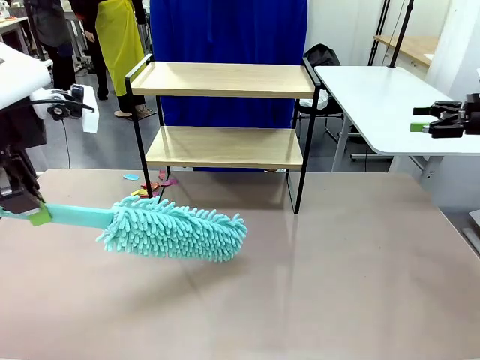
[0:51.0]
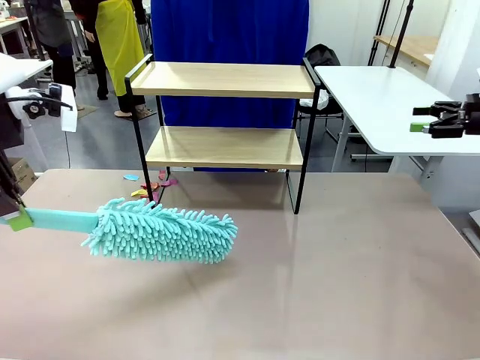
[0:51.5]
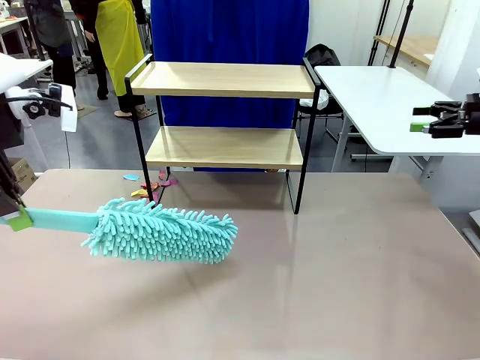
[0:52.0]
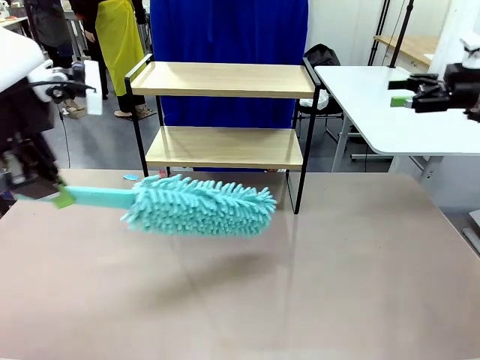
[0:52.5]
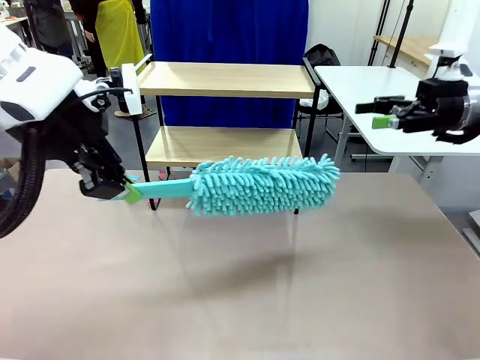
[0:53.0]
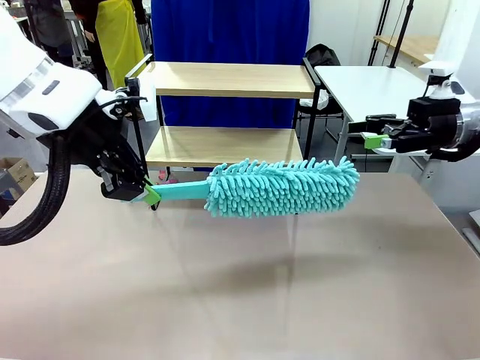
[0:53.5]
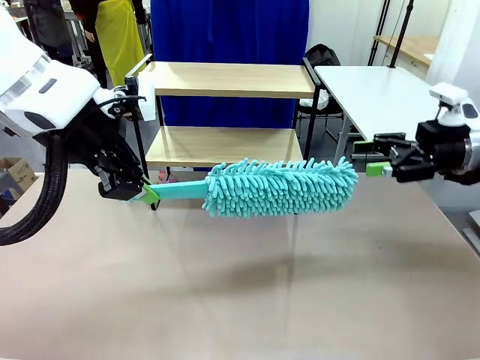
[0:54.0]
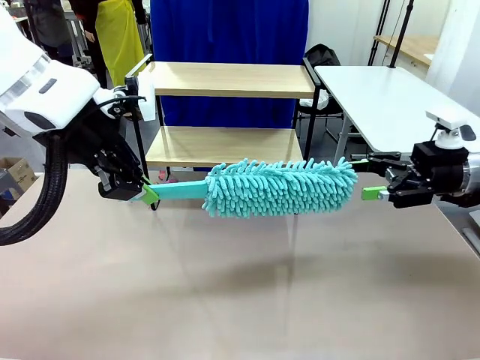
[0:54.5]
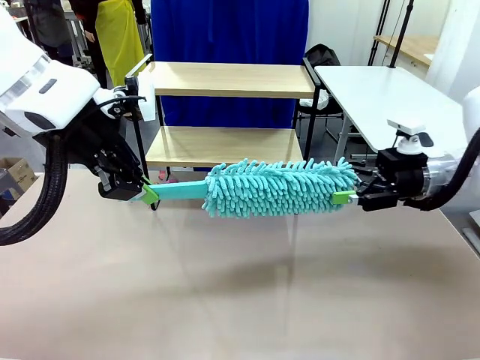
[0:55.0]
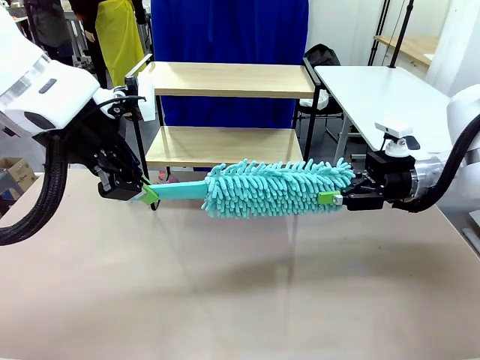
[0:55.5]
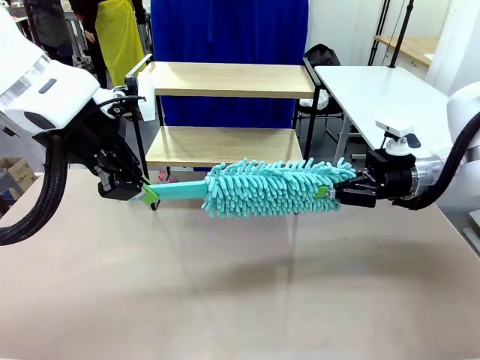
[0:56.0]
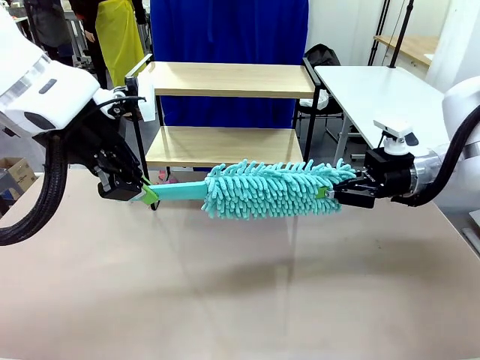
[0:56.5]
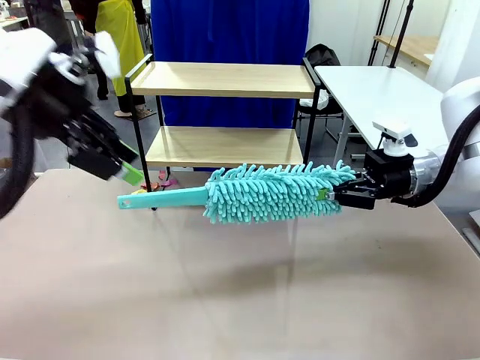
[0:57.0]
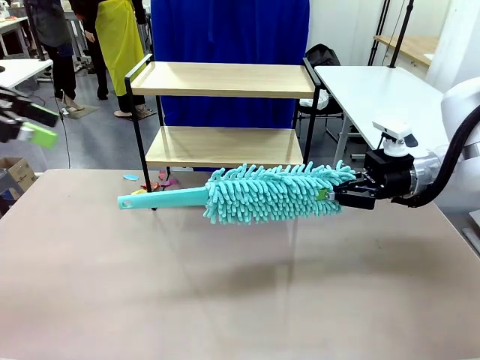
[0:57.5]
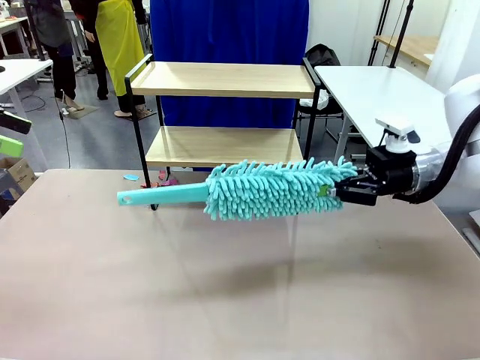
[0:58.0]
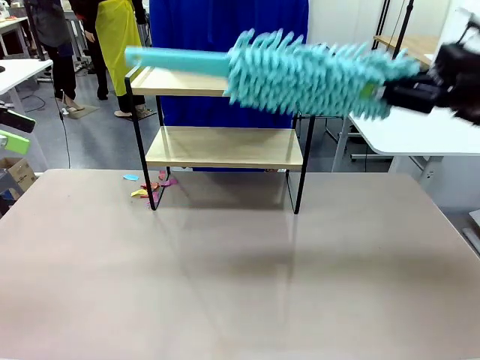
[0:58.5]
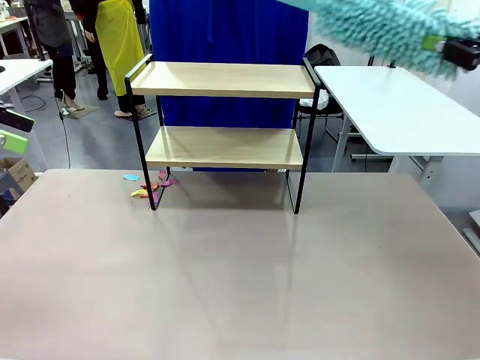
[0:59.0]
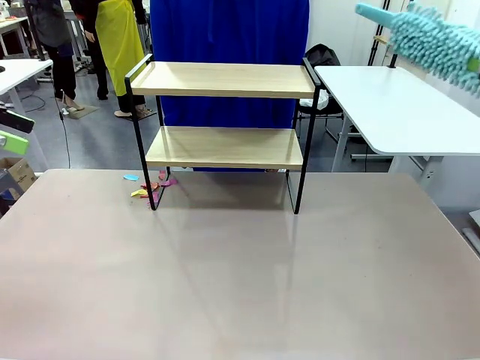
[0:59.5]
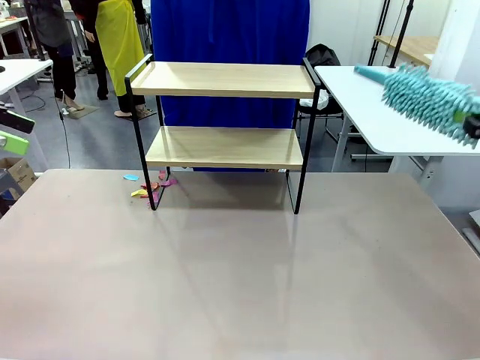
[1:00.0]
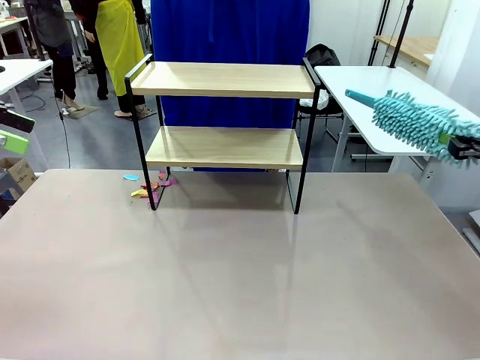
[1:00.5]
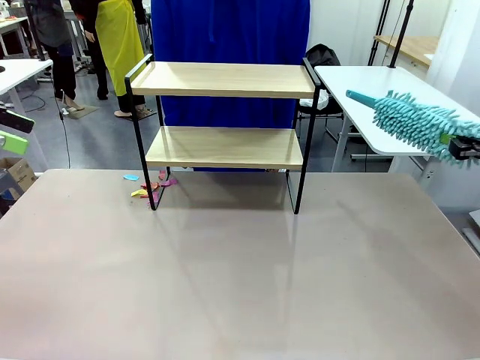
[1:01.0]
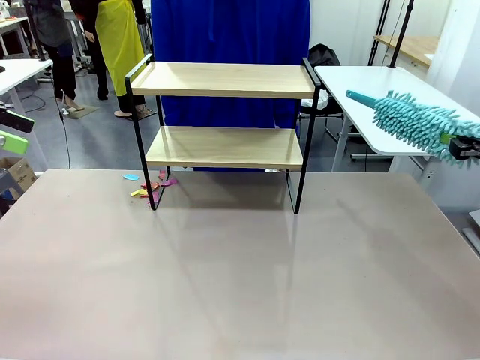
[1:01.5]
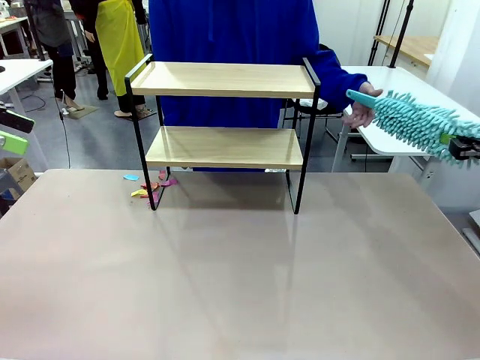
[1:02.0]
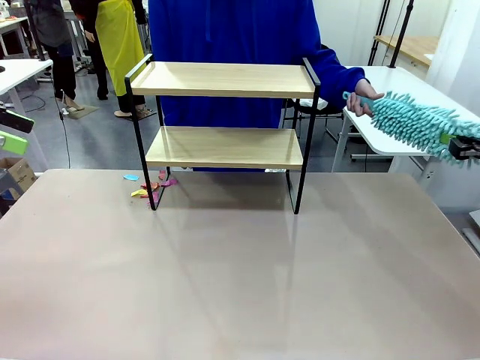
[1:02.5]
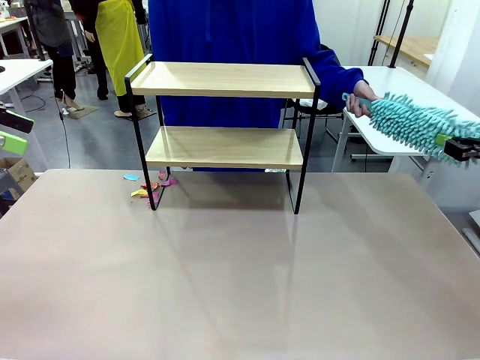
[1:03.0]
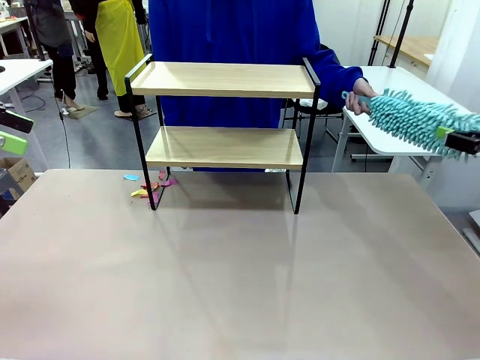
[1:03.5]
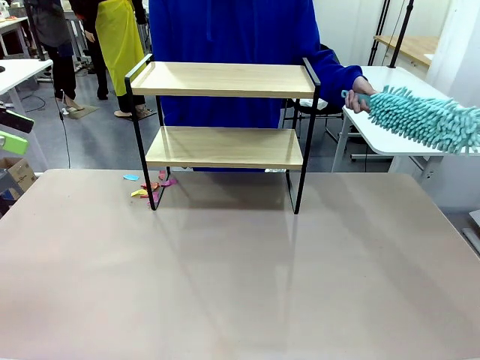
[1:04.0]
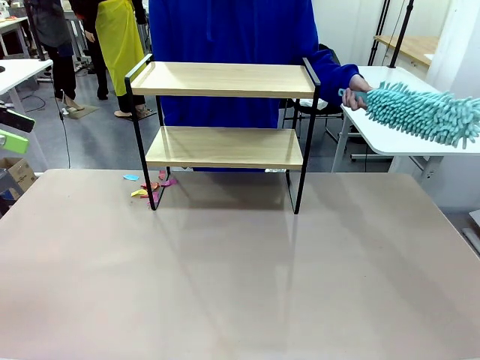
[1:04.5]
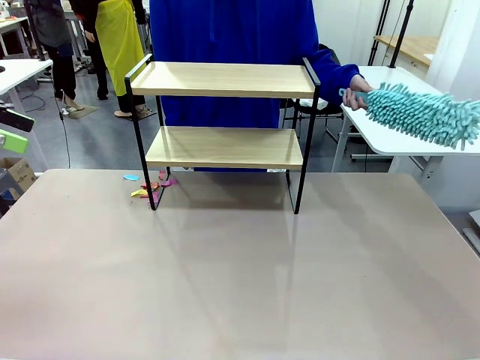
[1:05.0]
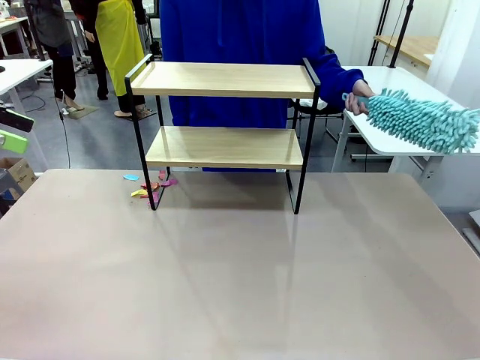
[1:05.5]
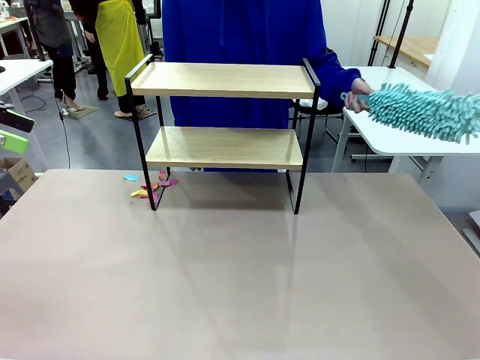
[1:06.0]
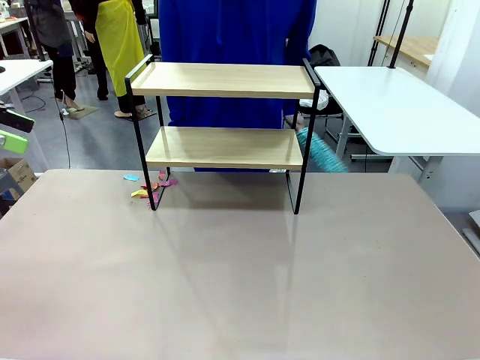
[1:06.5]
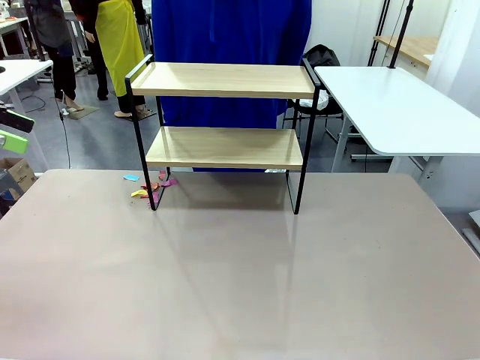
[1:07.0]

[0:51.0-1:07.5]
Task: Clean the shelf.
Robot: Hand the Duster back to the human.
Person: Receive the Duster from the robot.

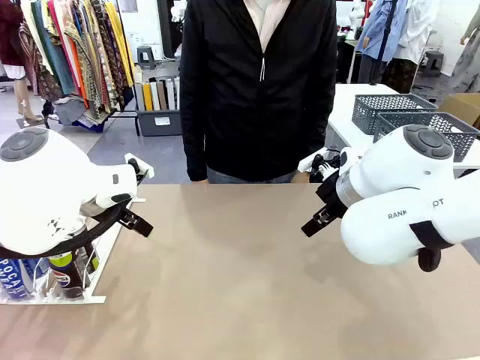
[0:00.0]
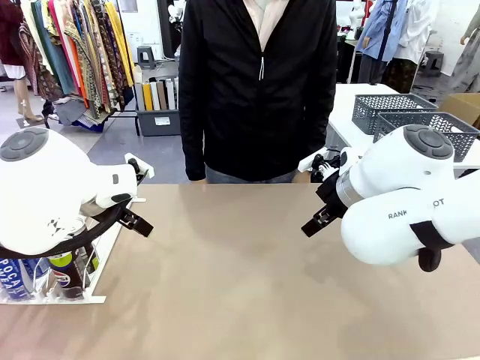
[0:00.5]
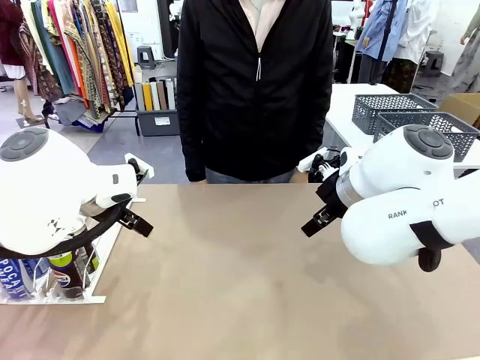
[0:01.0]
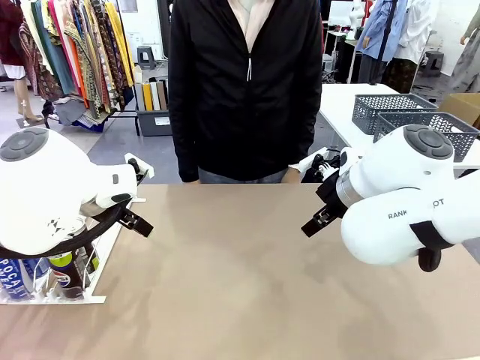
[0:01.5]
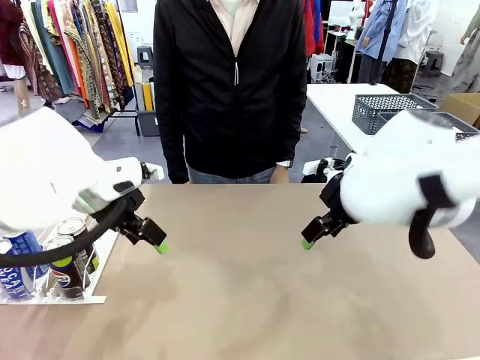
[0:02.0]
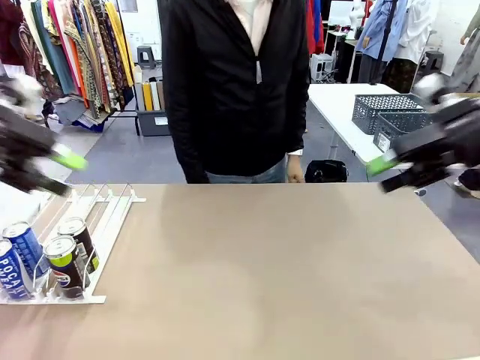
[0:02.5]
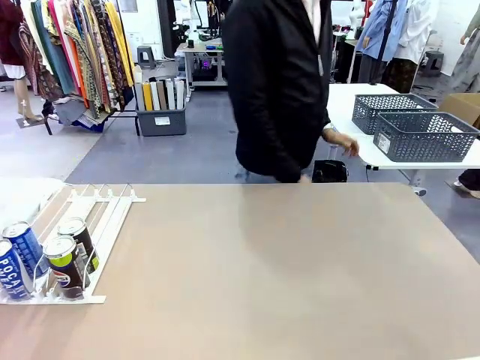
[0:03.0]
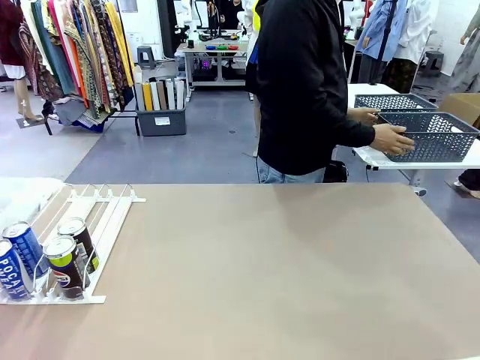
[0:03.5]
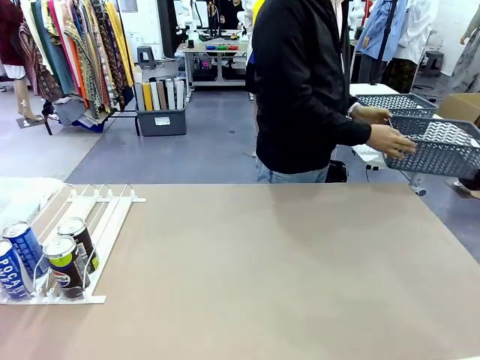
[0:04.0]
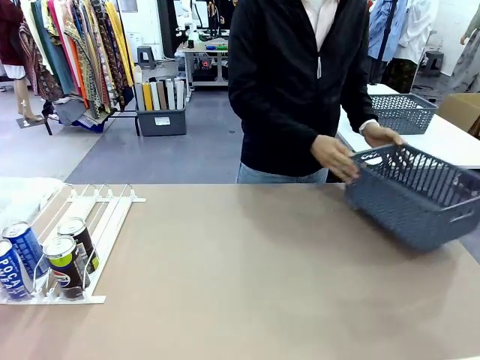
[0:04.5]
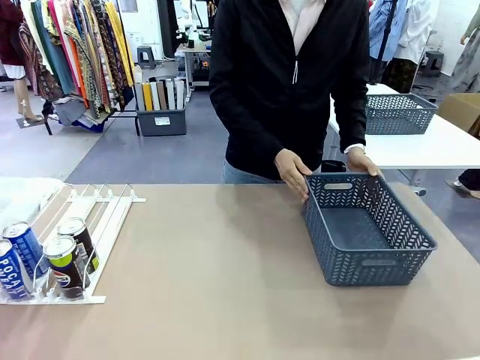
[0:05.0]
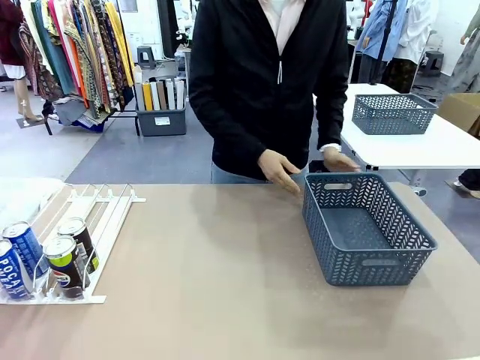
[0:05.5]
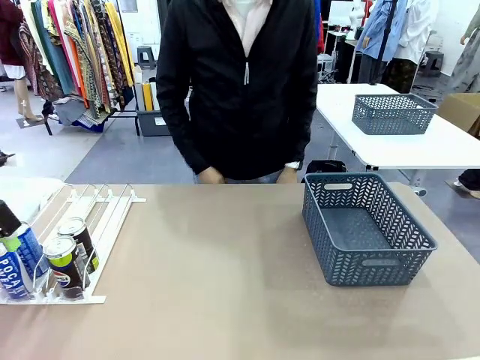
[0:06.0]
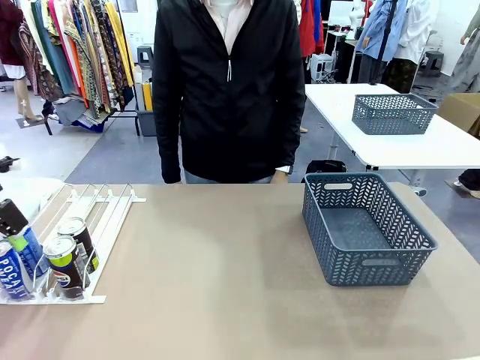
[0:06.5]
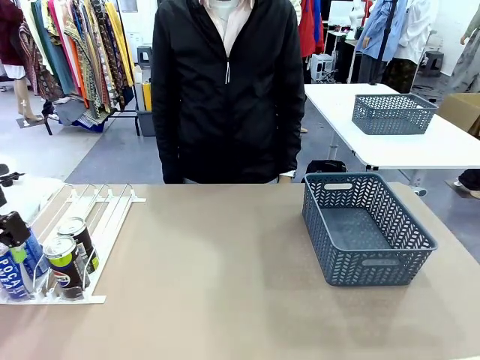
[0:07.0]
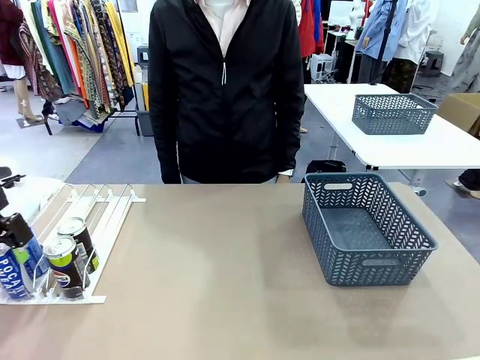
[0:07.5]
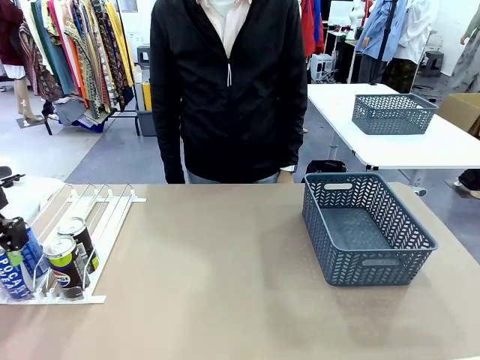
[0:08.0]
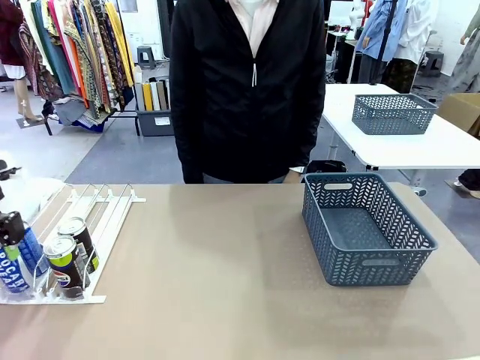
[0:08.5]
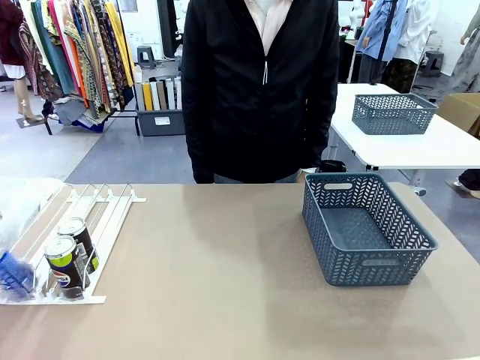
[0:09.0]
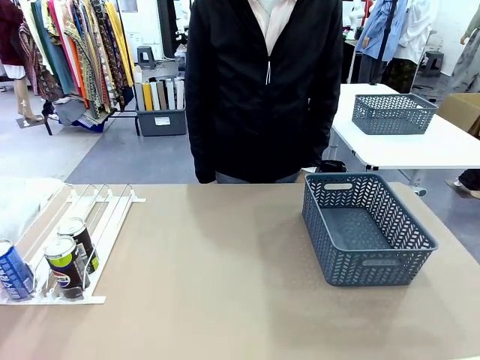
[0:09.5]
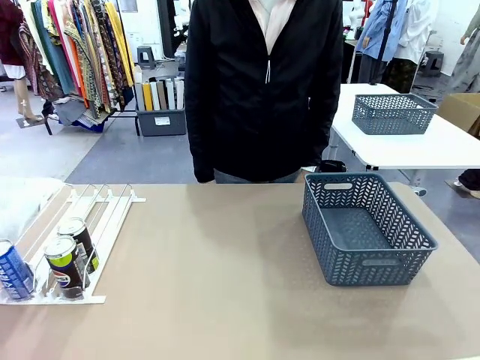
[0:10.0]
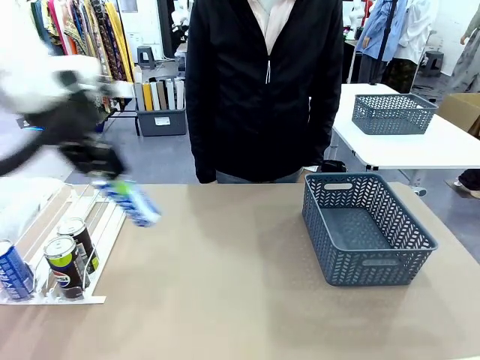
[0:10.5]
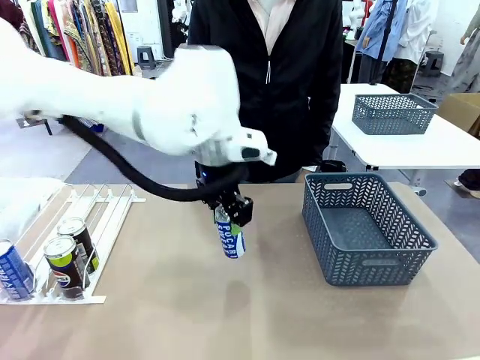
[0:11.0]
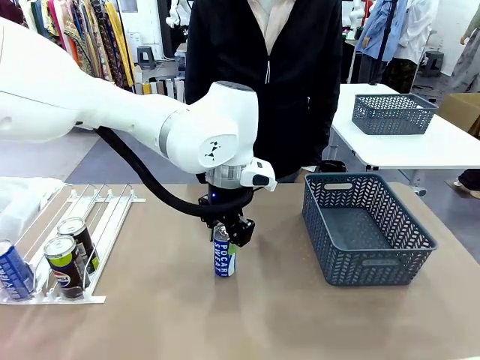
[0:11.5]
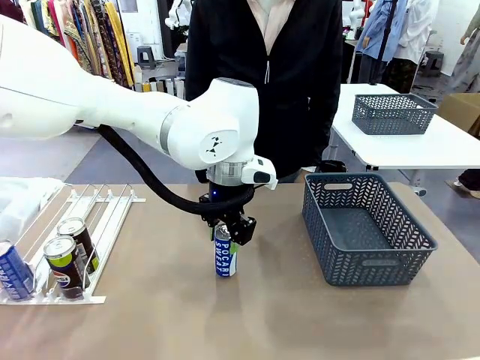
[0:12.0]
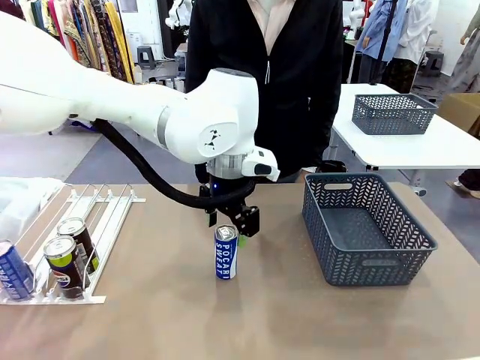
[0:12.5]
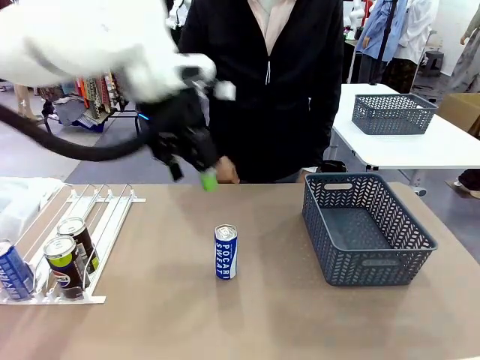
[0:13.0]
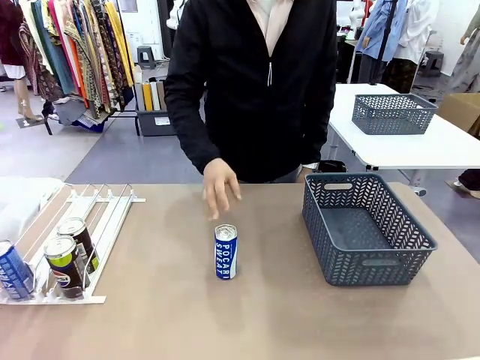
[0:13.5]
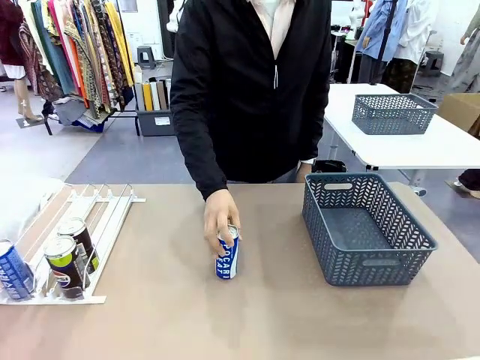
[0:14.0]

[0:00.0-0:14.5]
Task: Retrieve and store the cans from the dispenser.
Robot: Pick up one can from the Automatic Can Dispenser and place it in the middle of the table.
Person: Pick up the basket and place it on the left side of the robot table.
